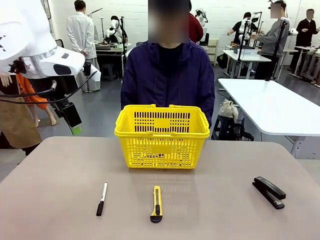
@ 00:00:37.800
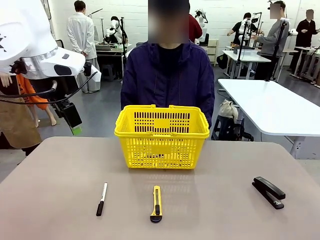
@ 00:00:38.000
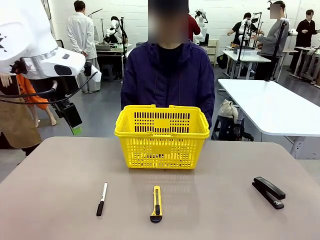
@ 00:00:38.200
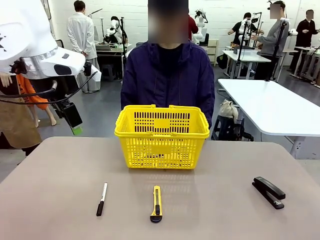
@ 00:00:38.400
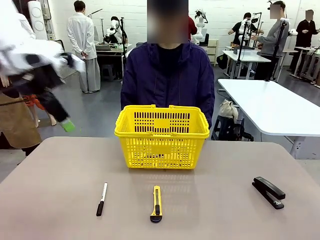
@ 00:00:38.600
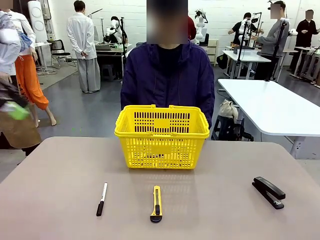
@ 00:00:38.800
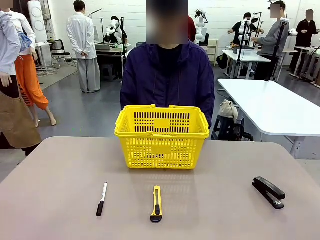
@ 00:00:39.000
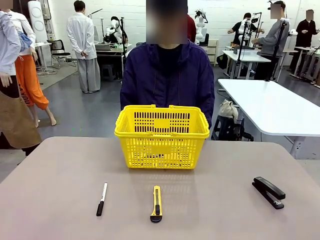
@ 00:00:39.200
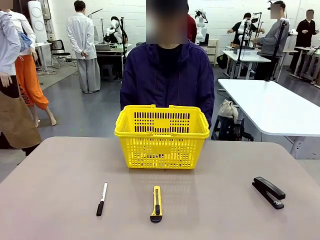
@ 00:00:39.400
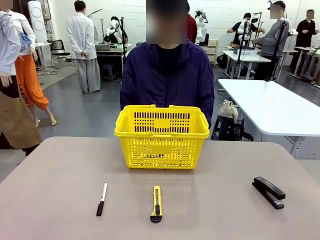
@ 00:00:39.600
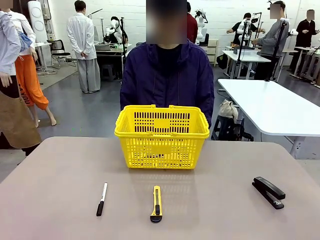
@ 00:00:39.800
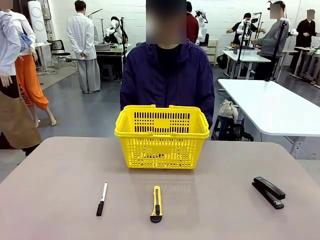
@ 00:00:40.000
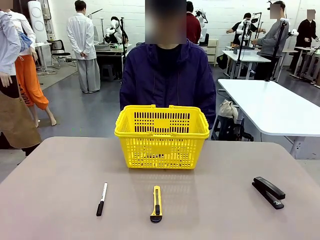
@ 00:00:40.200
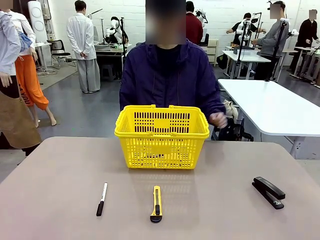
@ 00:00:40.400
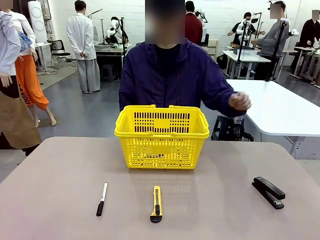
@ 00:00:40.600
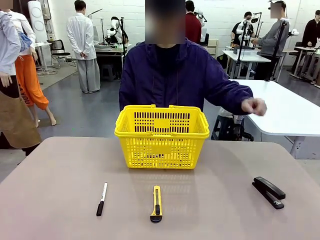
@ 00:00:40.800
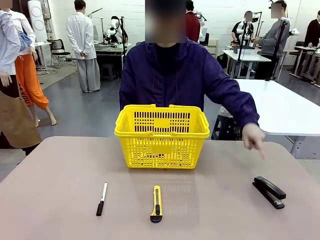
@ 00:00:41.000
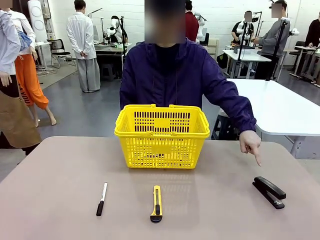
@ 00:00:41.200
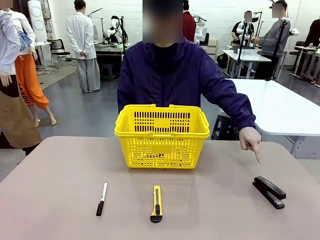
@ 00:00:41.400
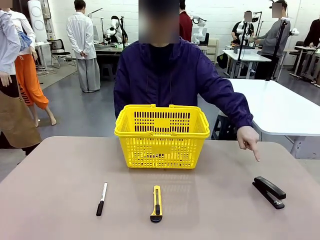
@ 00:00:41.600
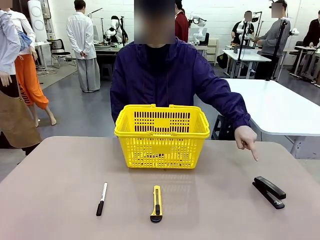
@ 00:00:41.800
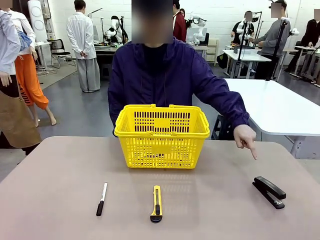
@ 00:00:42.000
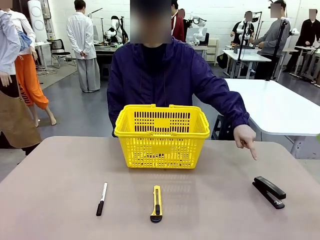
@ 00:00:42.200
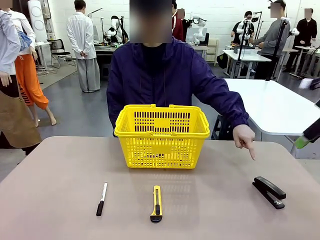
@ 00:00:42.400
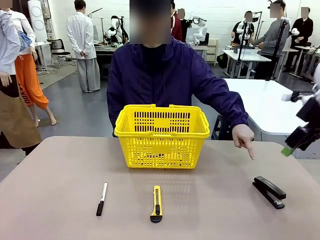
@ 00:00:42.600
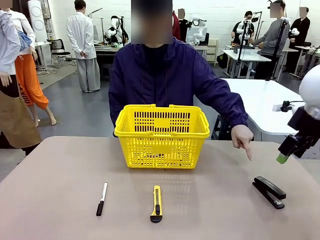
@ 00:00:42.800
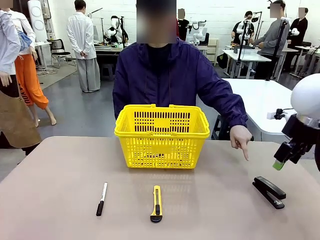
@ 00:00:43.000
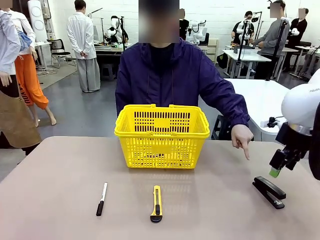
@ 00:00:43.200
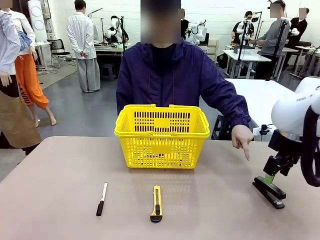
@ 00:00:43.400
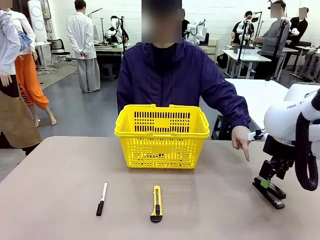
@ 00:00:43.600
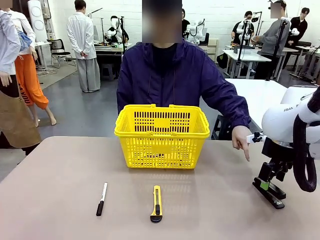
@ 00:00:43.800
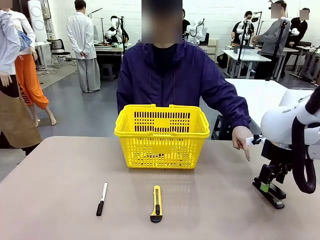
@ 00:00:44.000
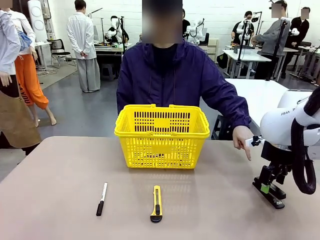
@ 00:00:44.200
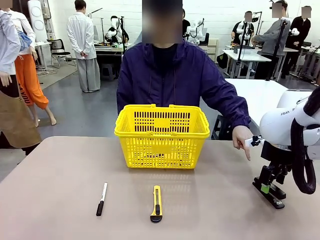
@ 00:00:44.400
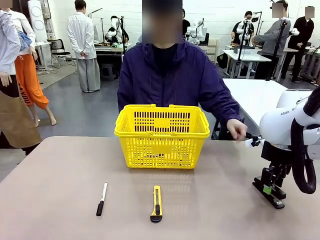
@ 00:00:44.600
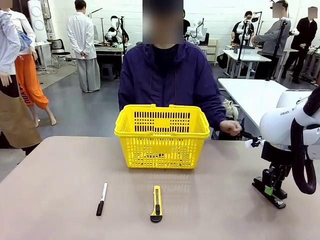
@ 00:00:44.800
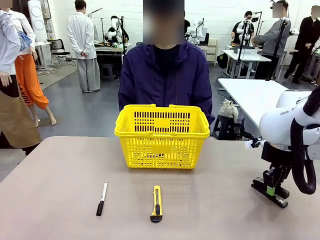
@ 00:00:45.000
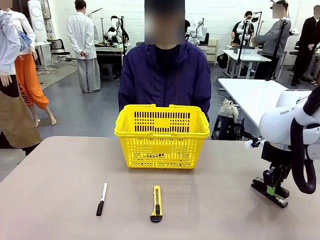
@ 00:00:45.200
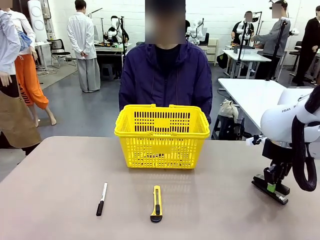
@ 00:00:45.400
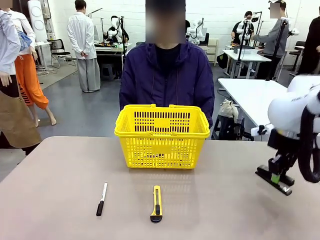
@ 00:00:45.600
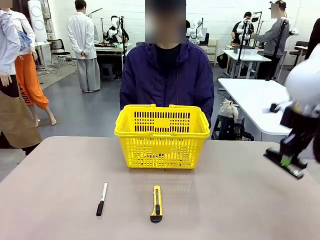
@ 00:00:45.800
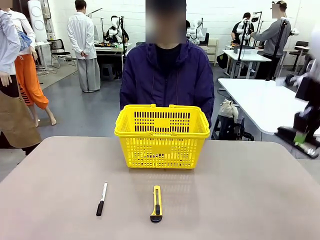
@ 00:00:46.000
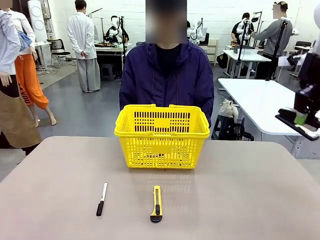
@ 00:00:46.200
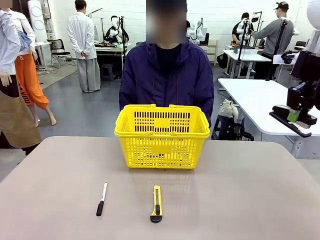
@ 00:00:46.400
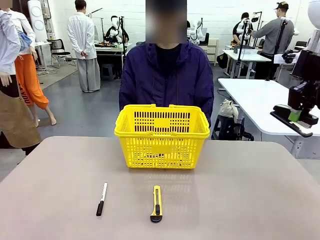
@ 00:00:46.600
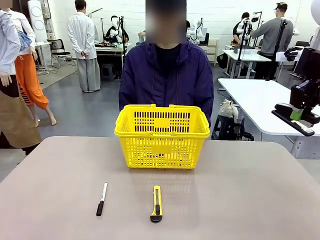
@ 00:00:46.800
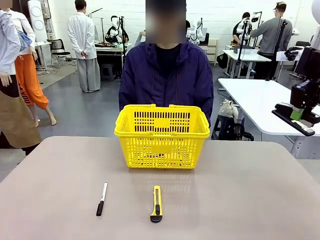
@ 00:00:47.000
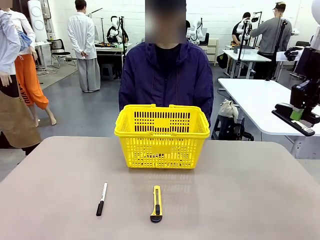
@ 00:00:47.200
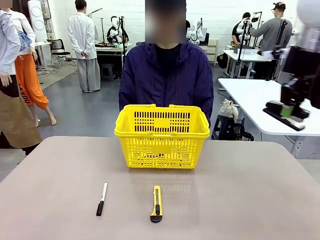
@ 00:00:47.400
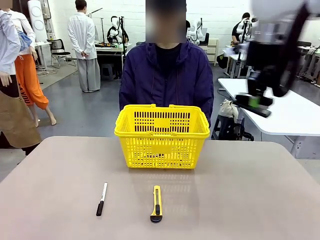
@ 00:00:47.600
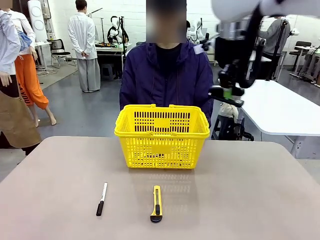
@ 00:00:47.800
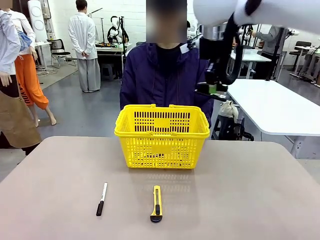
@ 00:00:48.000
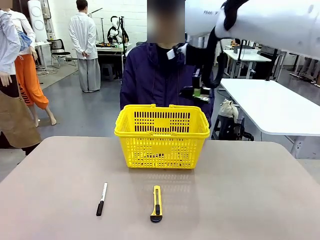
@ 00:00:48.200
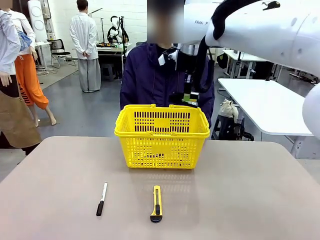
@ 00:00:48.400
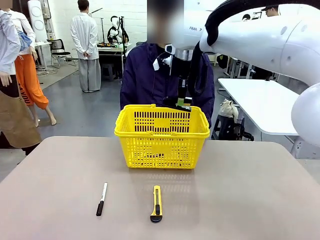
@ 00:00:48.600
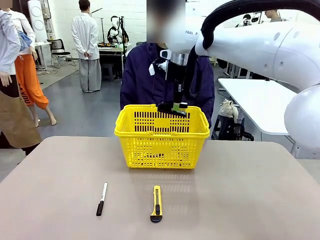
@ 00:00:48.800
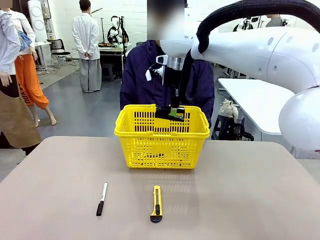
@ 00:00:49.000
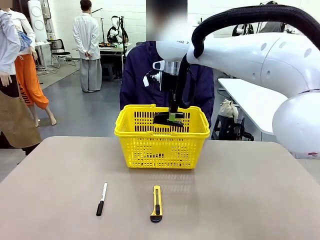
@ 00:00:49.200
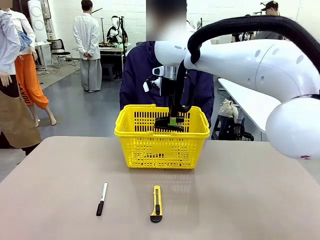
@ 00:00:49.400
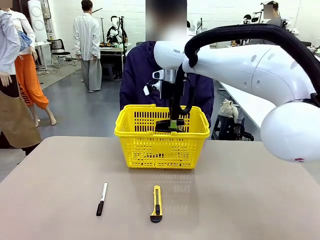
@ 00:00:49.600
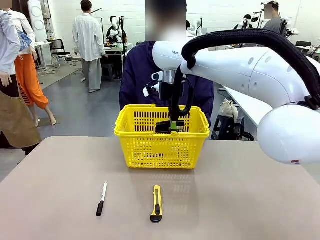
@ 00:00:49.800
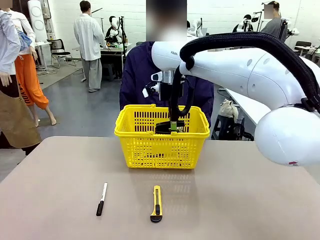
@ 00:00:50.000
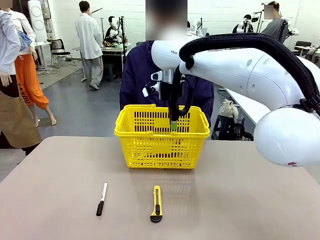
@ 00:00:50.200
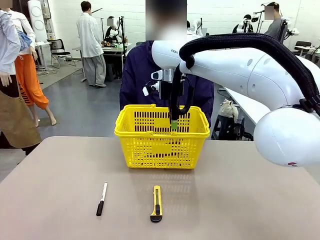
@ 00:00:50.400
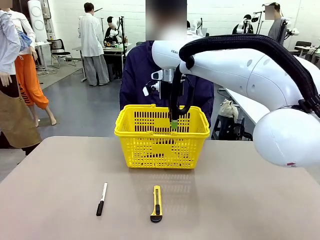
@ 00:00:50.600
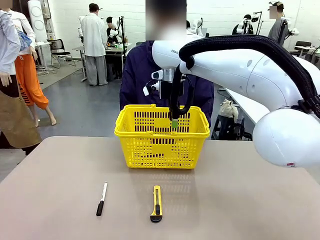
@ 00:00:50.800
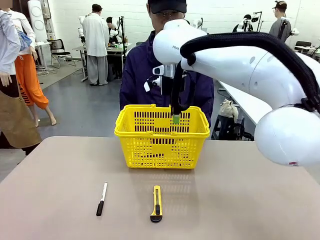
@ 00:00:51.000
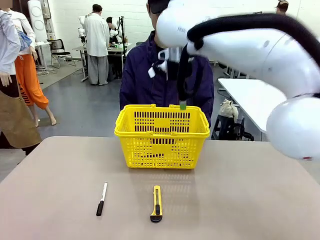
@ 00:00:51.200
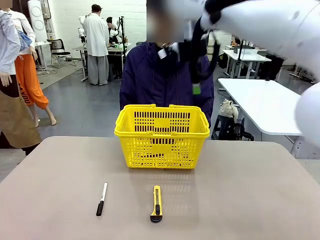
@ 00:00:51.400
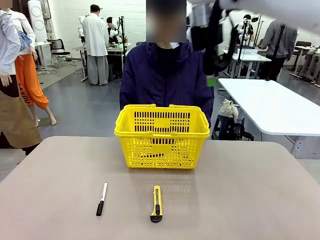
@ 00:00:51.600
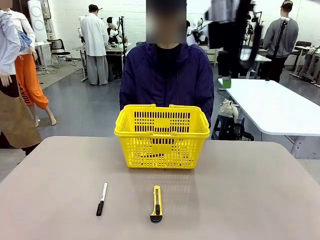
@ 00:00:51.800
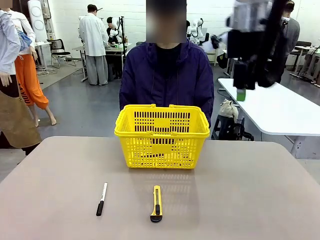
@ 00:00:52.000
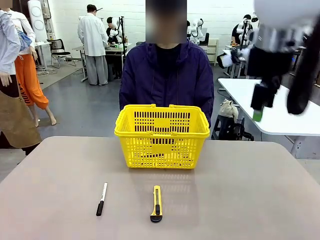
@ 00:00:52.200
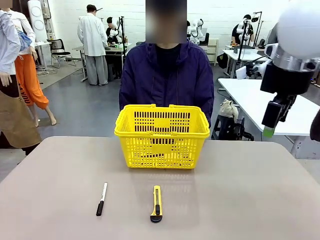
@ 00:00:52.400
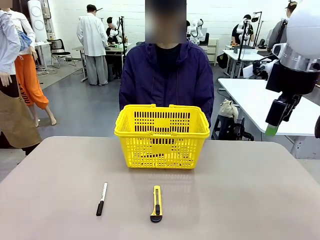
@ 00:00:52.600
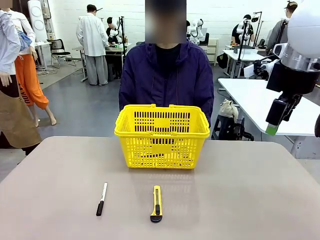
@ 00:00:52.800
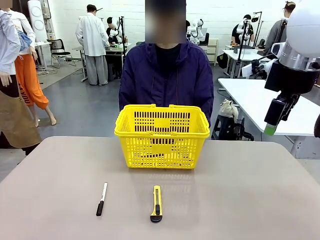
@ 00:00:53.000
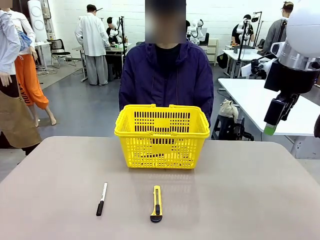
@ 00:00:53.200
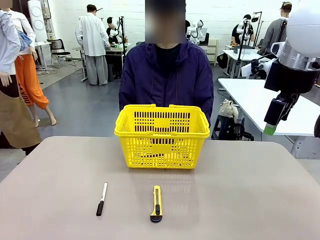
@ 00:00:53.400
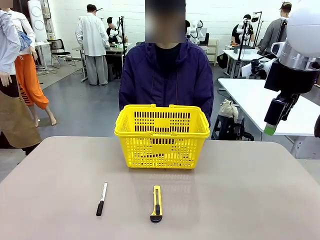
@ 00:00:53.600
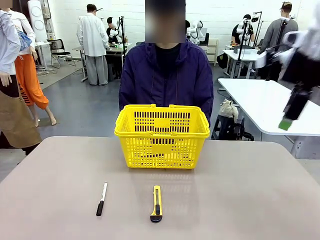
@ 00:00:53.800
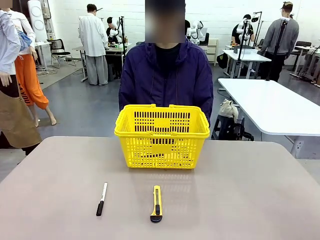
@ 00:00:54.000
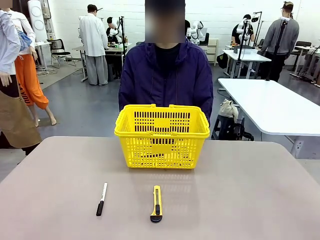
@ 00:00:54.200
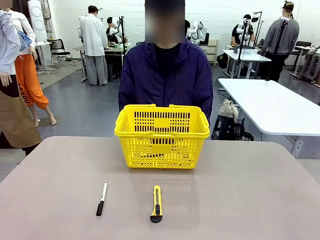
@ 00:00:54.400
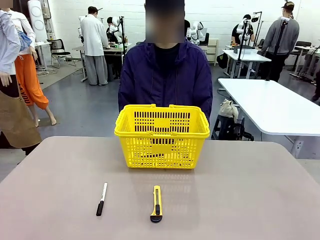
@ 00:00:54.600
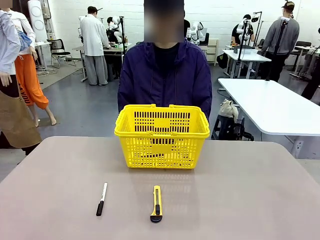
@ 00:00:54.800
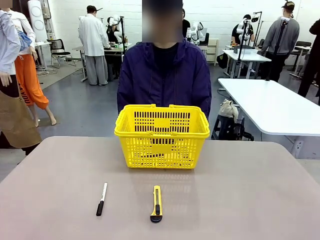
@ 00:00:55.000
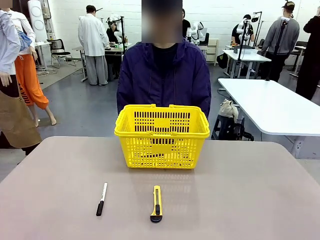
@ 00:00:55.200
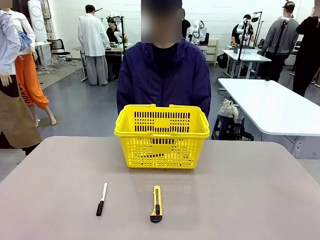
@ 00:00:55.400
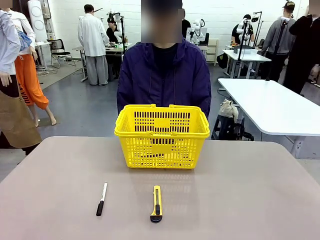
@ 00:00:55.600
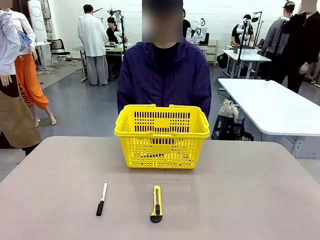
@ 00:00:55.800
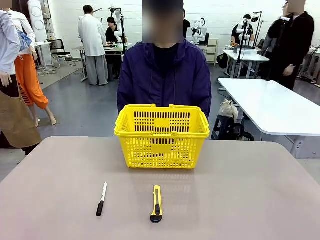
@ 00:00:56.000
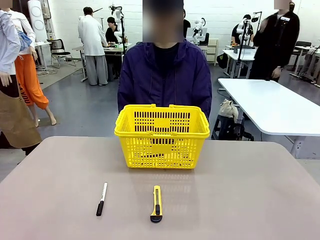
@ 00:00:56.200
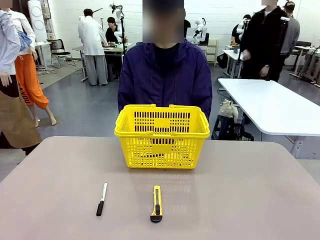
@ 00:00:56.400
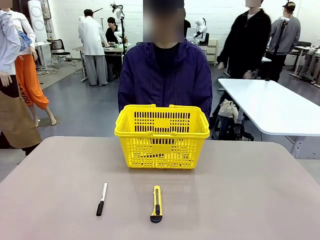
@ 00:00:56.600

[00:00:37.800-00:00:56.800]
Task: Place the items the person wants into the basket.
Robot: Pick up the item the person points to and place it in the Market Basket.
